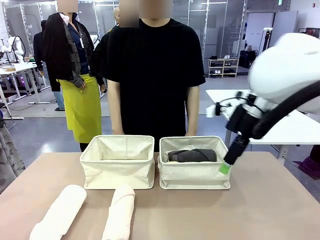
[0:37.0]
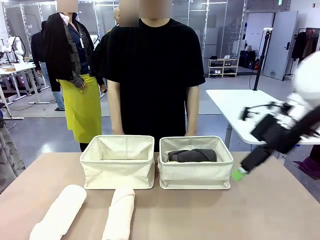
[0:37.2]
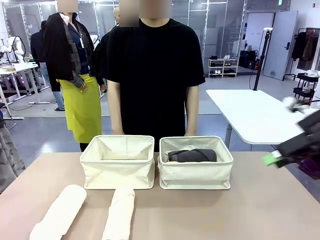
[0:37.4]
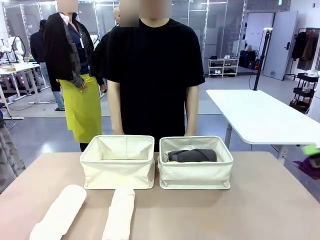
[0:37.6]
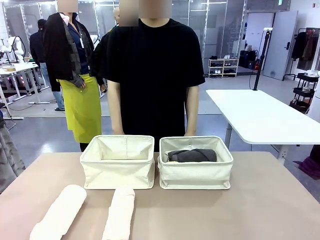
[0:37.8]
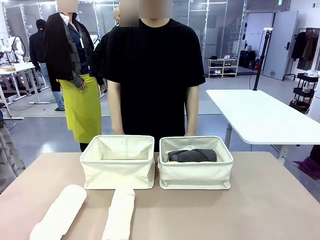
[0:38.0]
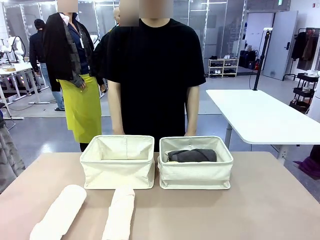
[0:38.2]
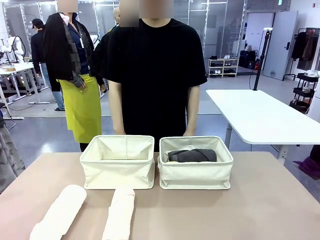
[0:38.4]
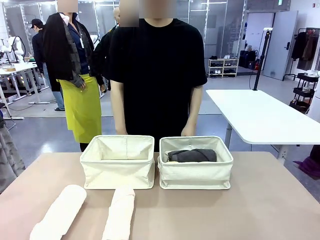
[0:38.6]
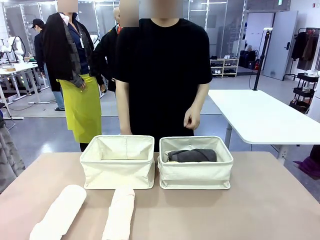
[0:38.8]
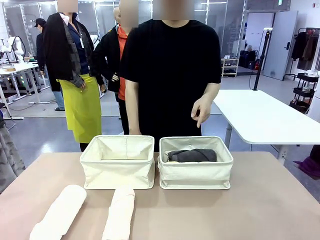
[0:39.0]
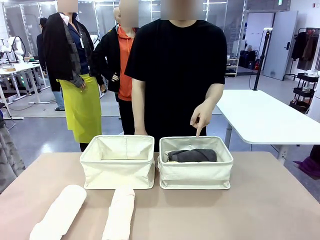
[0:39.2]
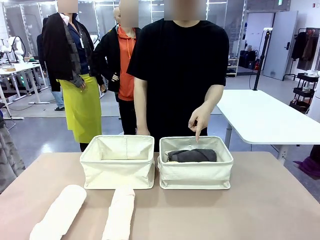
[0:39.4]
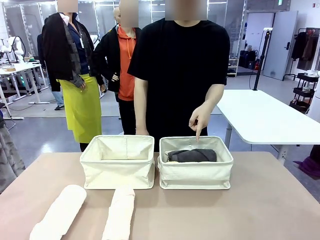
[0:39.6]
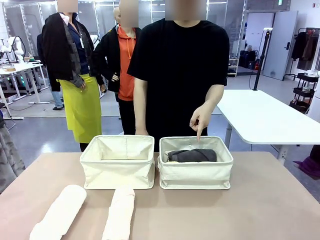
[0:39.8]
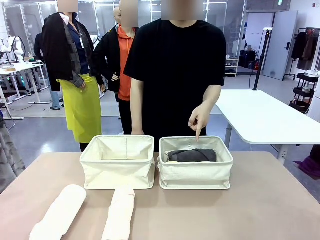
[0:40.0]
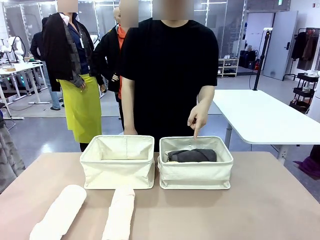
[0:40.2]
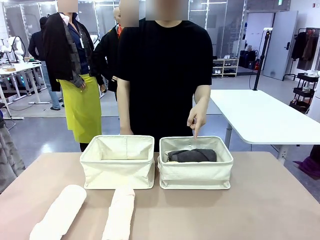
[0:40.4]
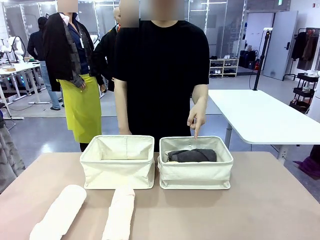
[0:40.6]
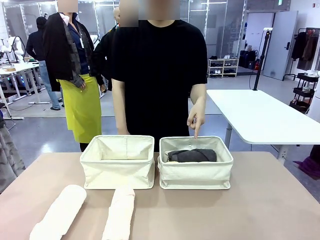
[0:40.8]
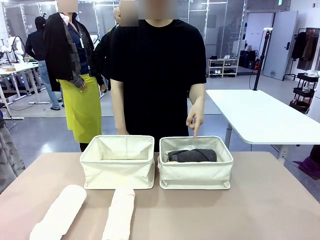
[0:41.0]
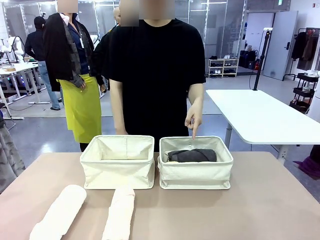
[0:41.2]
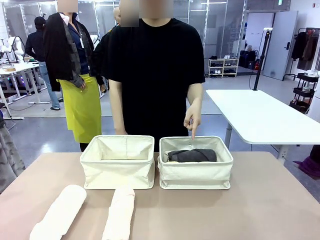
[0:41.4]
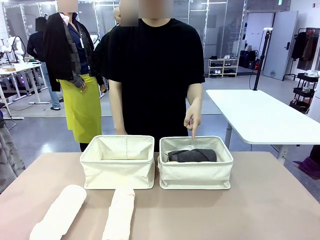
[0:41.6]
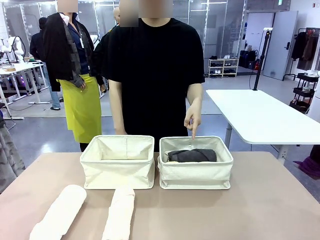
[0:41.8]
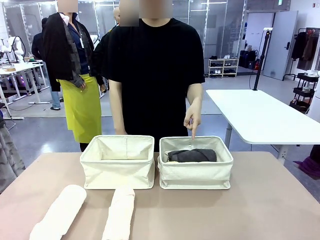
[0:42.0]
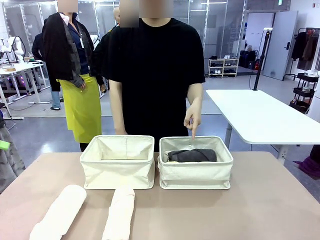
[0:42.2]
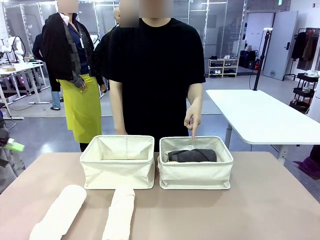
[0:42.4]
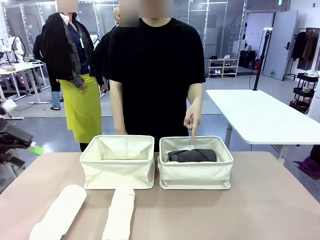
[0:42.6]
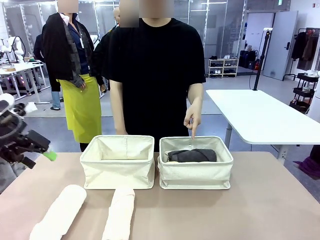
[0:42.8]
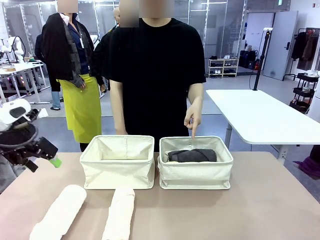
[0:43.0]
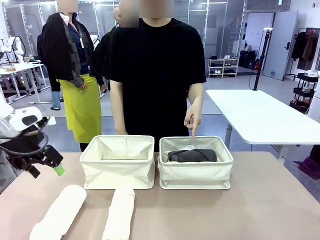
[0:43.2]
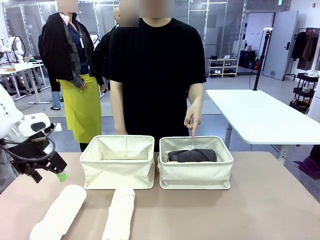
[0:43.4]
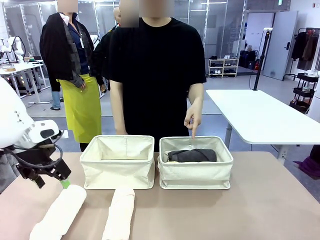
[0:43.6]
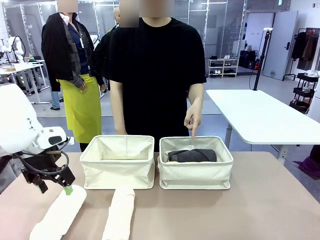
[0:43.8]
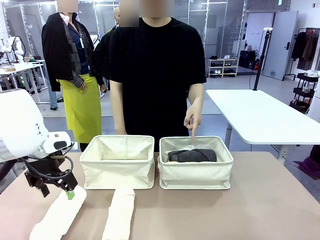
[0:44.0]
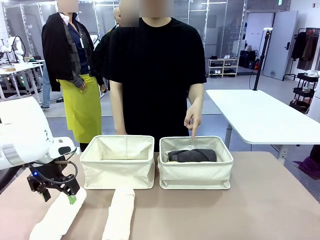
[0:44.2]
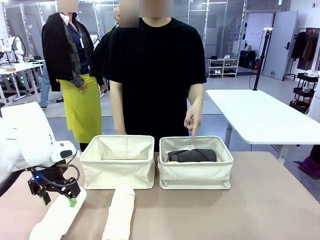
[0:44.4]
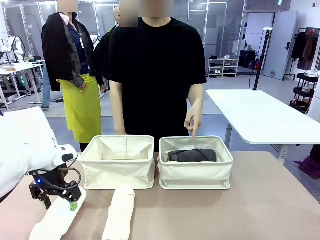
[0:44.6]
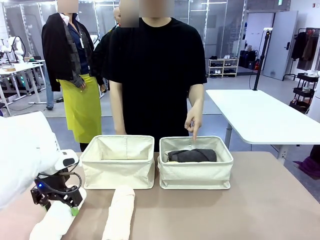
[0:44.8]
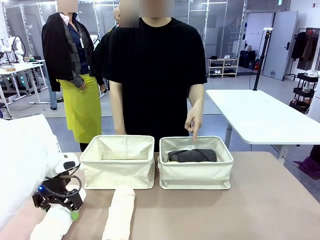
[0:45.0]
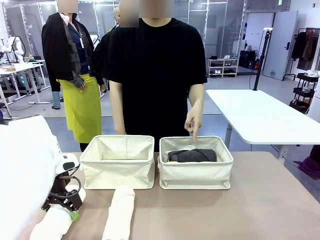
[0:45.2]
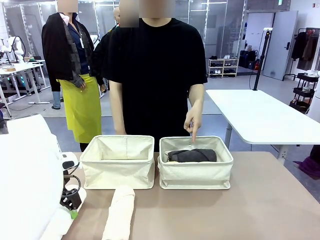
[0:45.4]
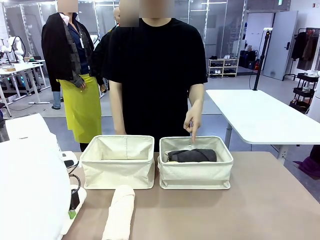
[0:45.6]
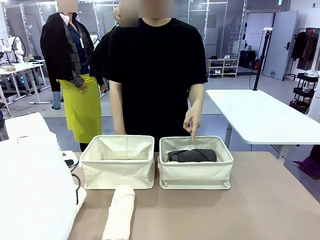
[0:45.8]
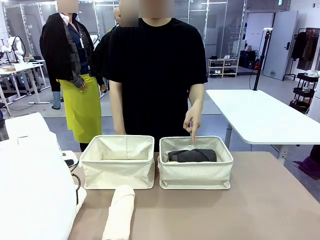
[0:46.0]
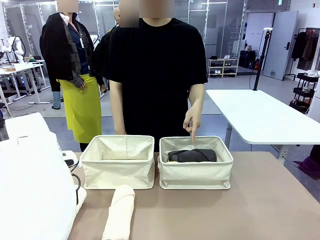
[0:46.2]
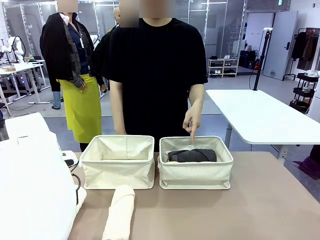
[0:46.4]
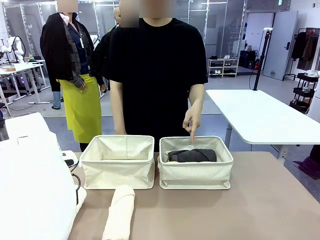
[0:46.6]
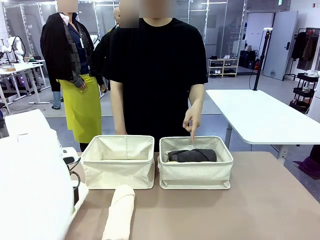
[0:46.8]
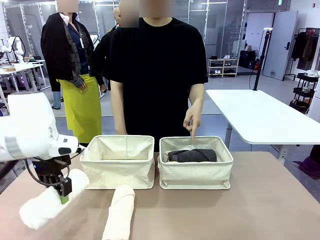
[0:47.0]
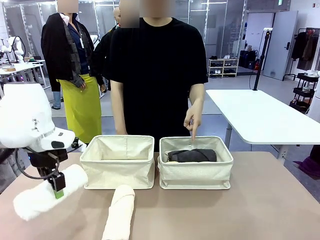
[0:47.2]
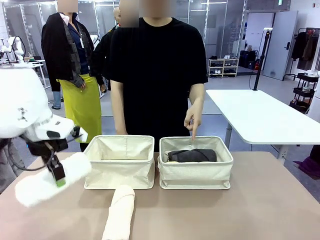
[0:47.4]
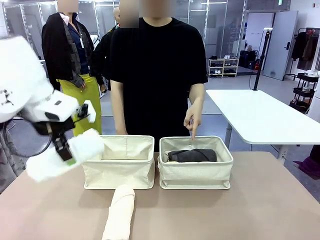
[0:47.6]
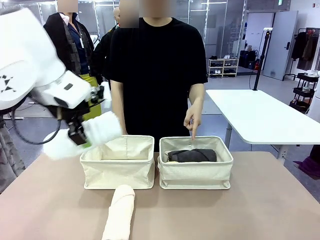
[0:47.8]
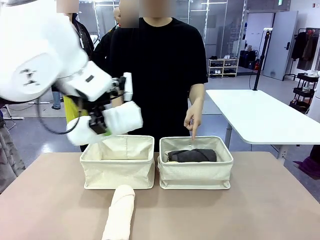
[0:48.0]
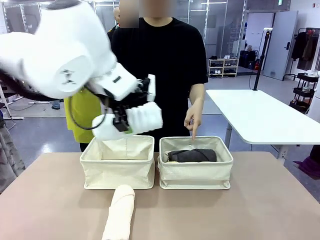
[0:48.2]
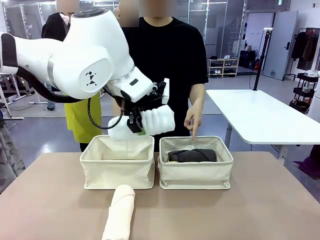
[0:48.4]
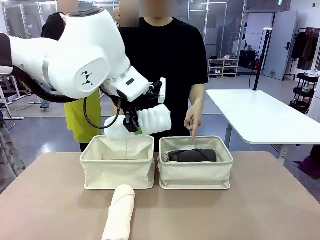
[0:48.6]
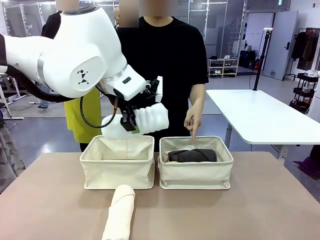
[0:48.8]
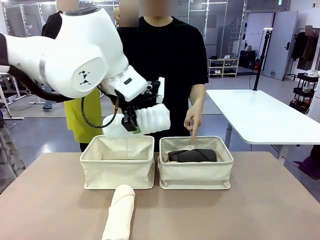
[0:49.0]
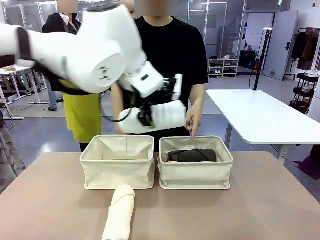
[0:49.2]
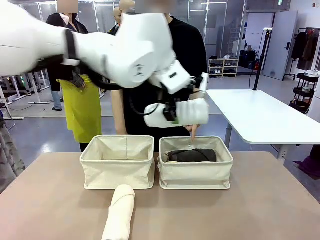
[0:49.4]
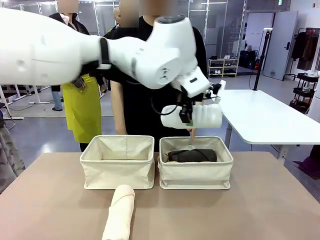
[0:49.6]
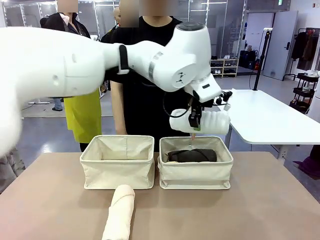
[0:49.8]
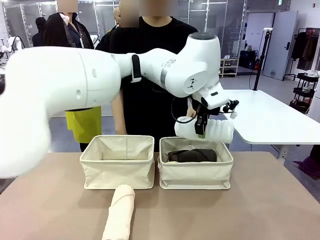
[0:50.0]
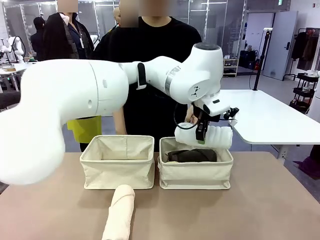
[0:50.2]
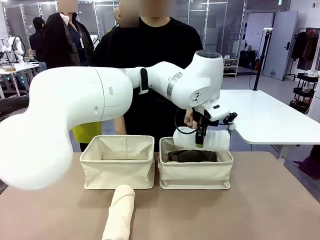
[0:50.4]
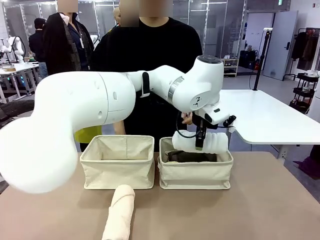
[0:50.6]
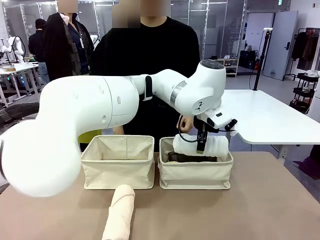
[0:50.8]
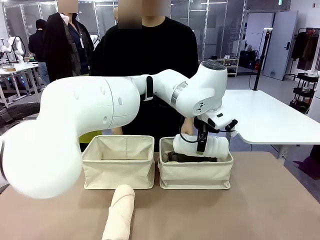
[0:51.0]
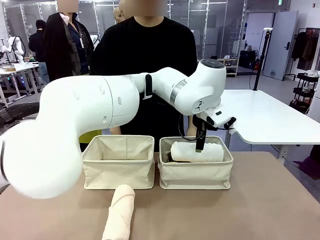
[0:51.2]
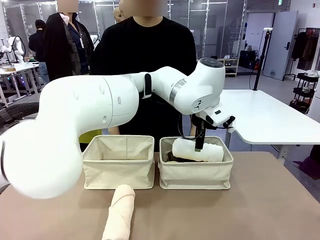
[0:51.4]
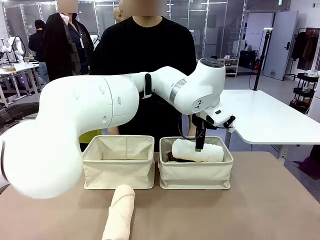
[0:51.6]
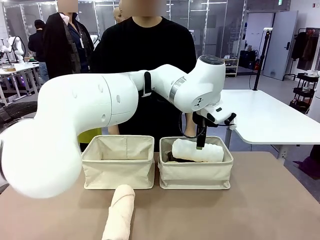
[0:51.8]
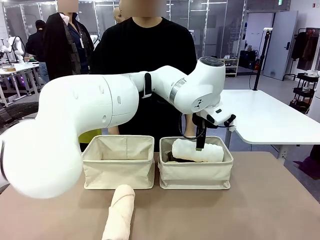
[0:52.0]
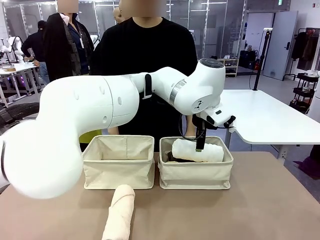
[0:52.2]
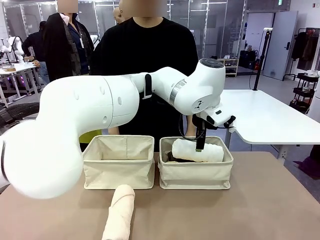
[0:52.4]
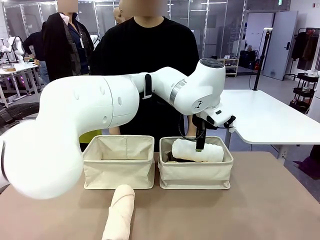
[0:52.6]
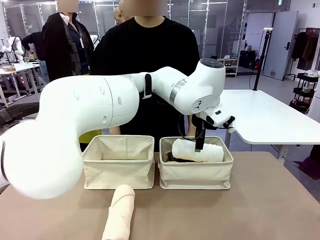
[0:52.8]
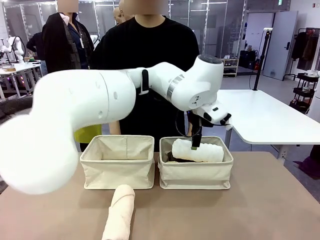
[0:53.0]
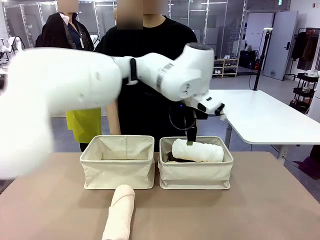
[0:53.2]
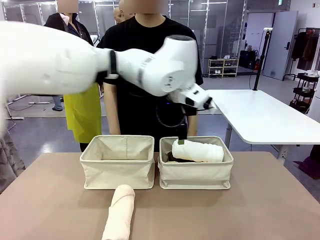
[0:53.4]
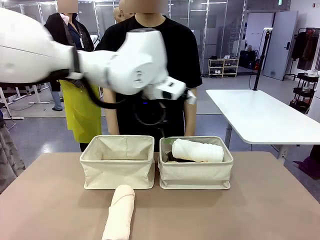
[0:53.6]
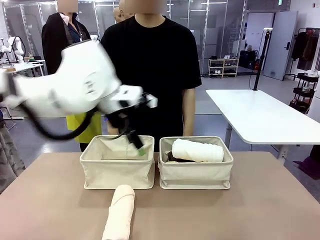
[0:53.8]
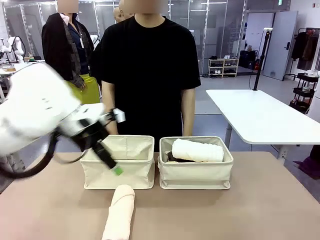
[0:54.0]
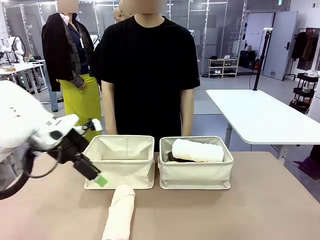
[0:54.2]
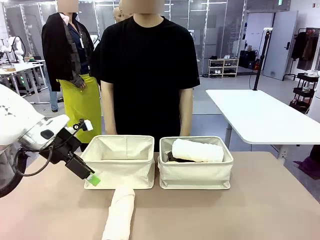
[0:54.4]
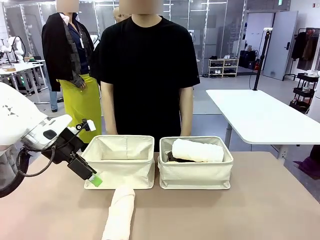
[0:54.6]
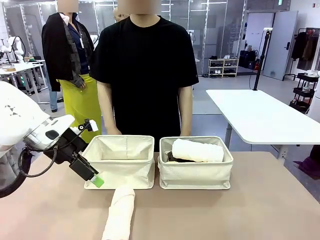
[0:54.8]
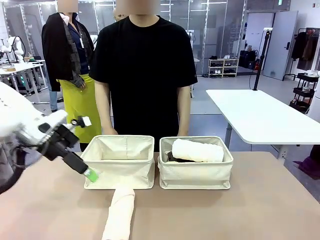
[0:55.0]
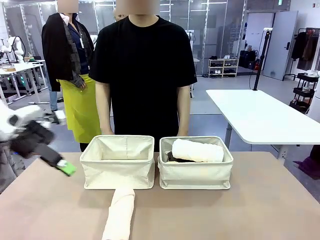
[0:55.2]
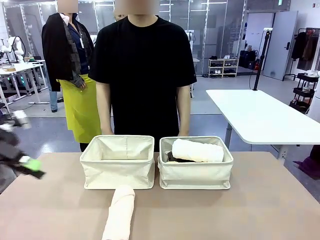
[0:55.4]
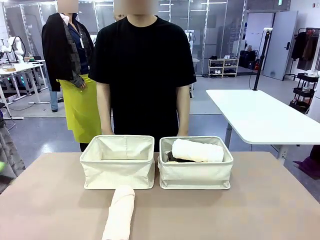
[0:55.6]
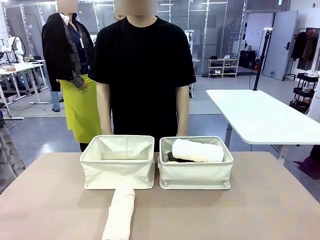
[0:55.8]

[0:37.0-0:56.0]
Task: Divide the towels into two baskets.
Robot: Pick up one hotel-folded towel from the bottom of the table and place it in the Fabric basket indicated by the person.
